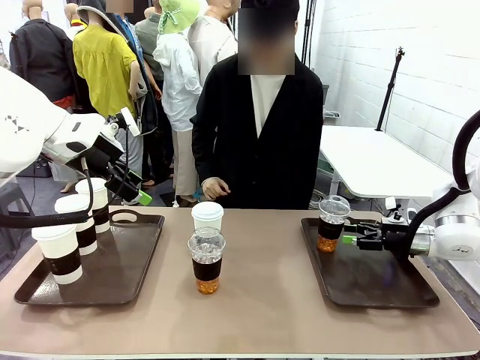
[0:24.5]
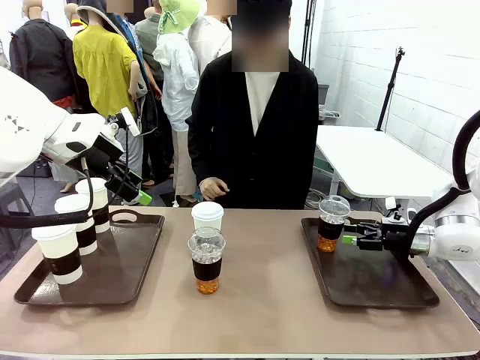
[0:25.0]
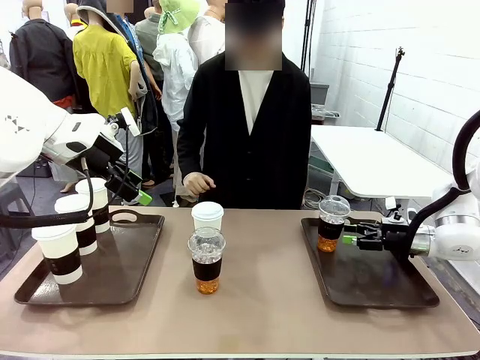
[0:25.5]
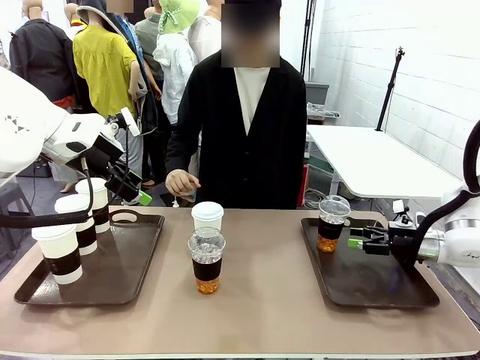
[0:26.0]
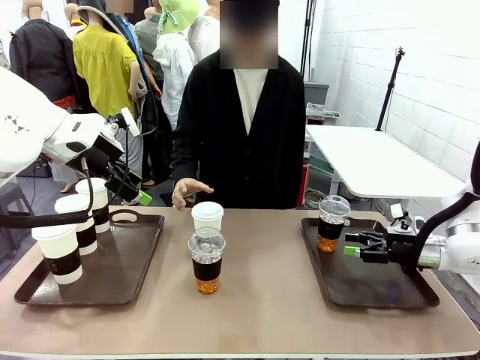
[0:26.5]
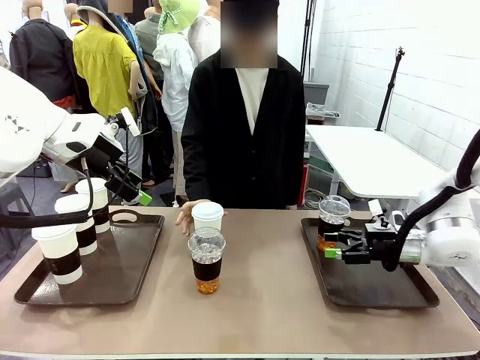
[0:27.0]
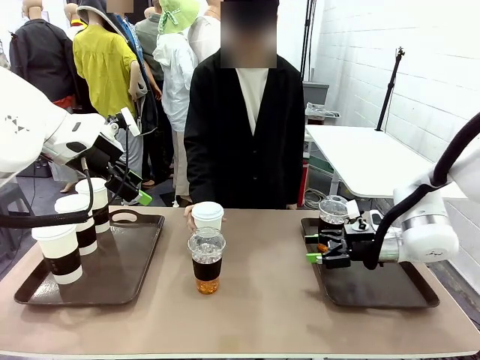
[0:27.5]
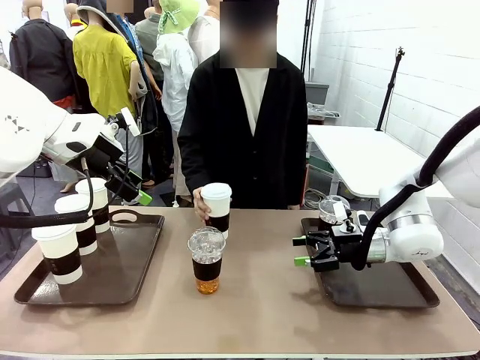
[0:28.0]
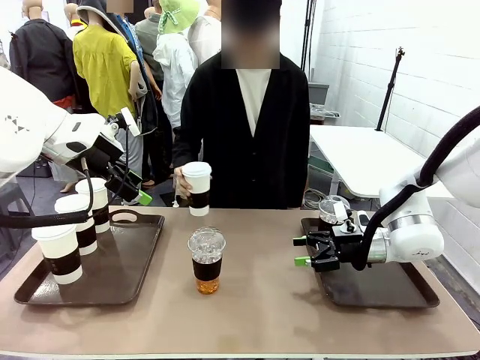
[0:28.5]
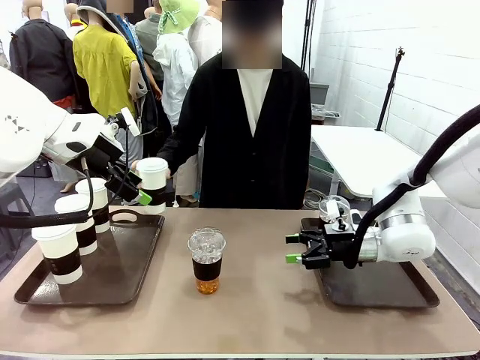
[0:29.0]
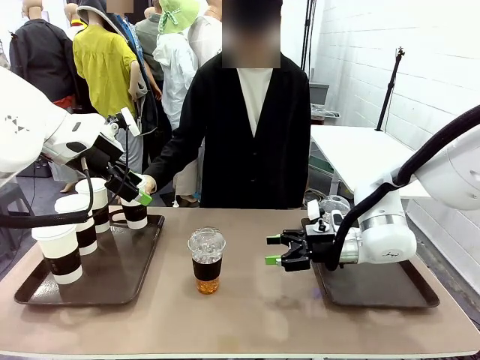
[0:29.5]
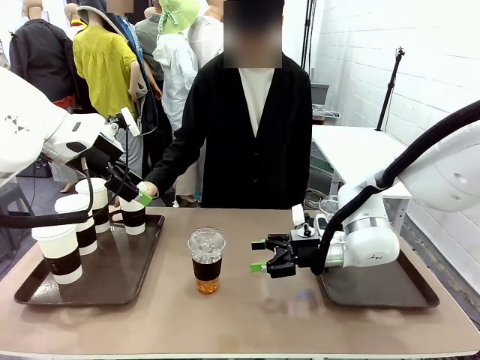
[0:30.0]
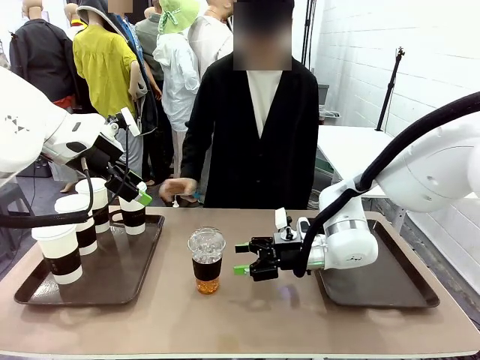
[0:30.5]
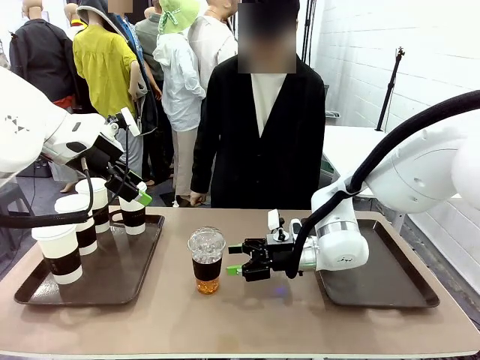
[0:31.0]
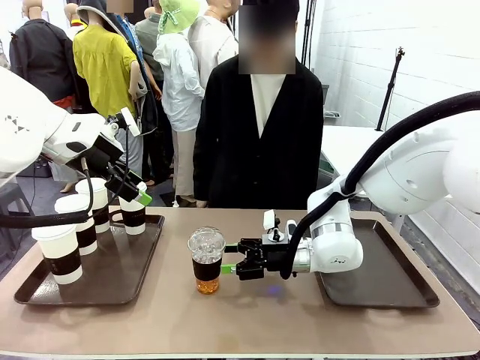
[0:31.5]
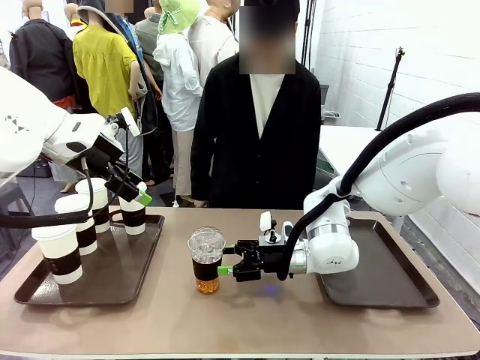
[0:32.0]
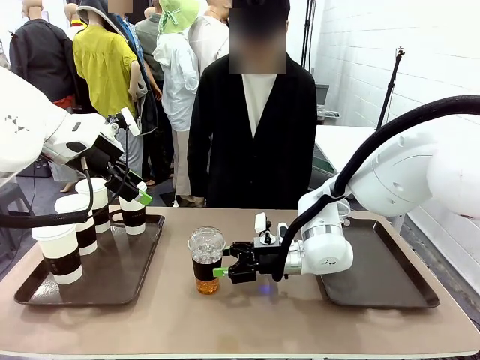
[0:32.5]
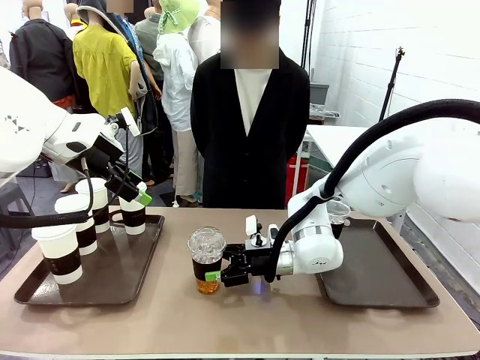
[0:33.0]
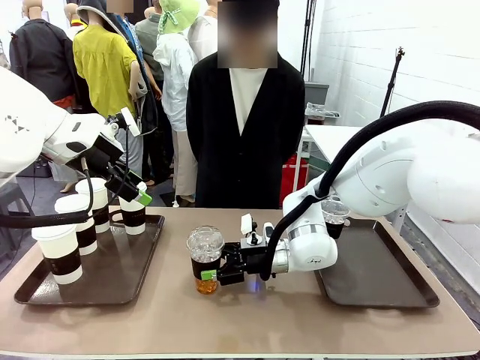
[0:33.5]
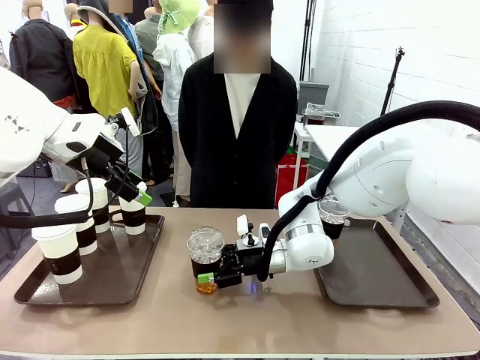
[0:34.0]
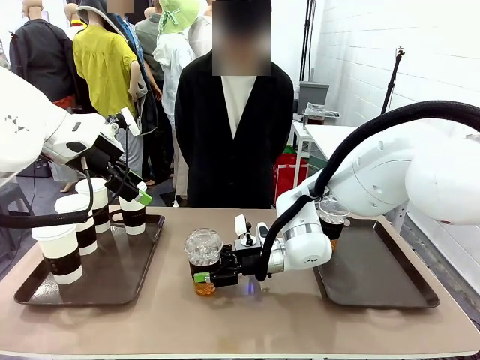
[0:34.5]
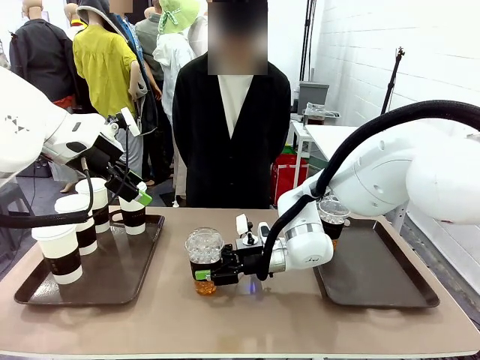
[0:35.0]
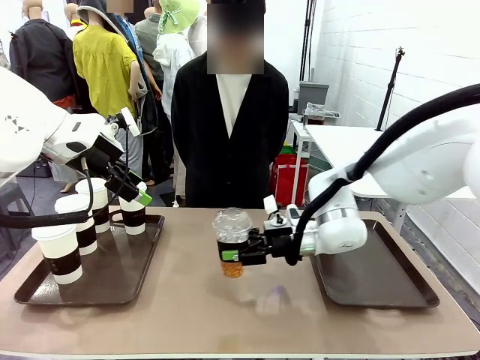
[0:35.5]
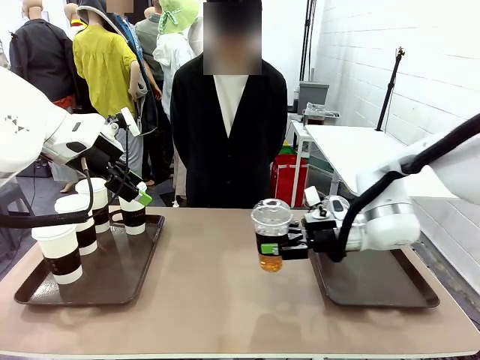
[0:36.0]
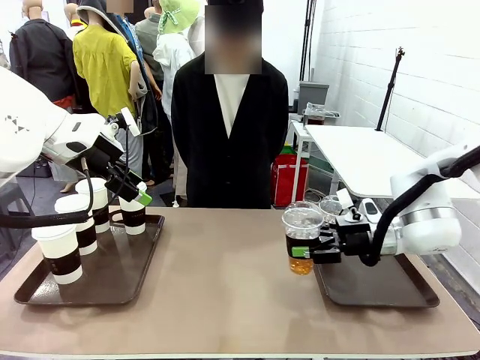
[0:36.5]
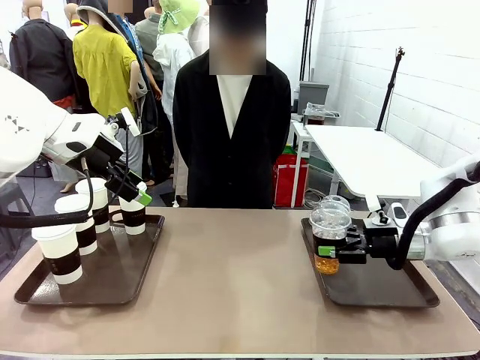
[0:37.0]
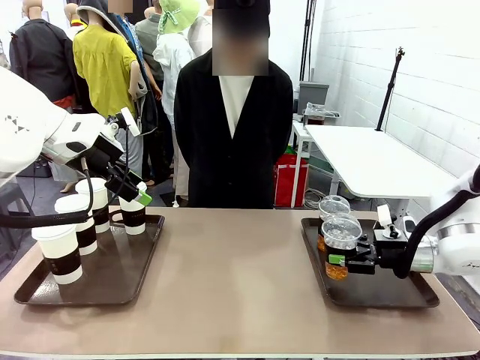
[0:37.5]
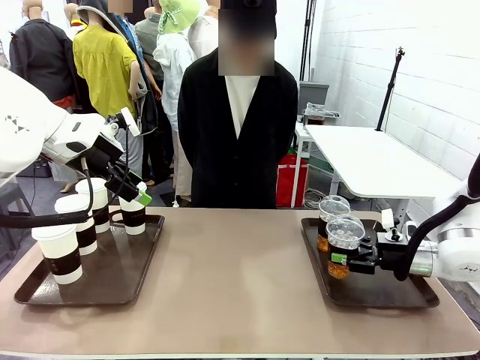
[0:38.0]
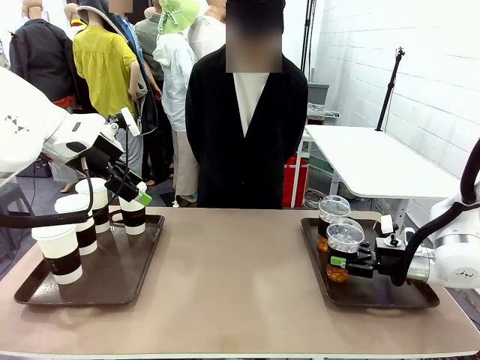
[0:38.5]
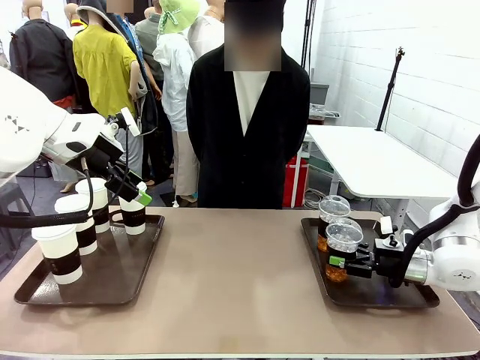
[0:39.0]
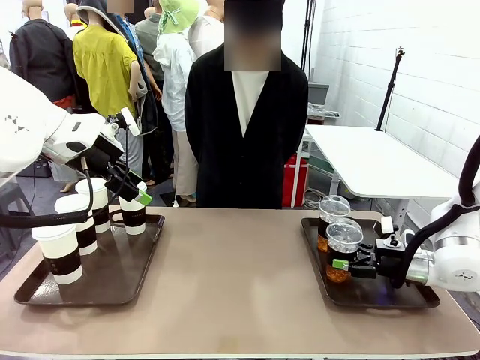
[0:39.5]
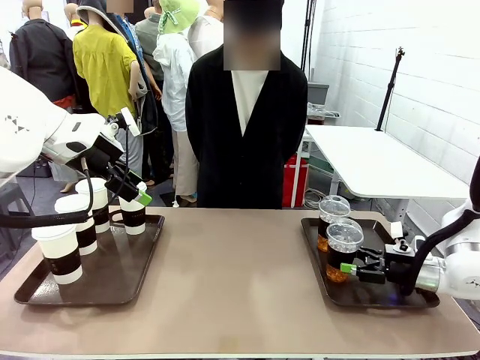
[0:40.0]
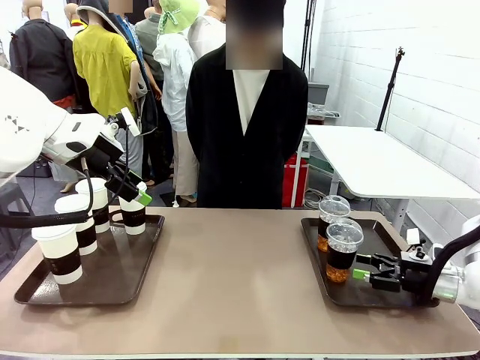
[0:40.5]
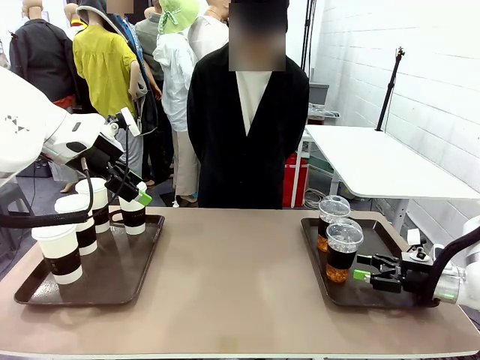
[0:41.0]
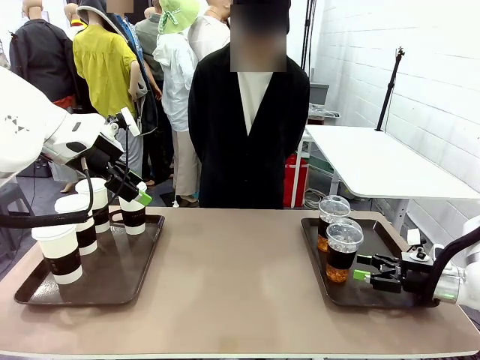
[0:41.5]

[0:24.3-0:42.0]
Task: Distribute the coffee onto the tray.
Robot: Pick up another iced Americano from the middle of the table and place it on the right Handle tray.
Person: Pick up a cup of hot Americano from the middle of the table and place it on the right tray.

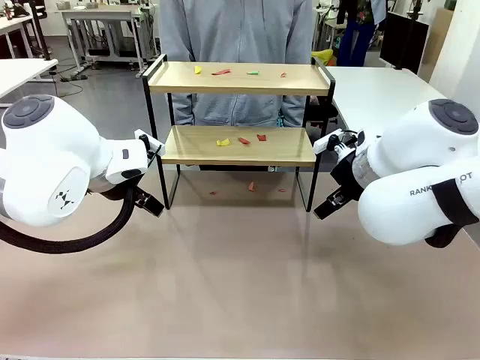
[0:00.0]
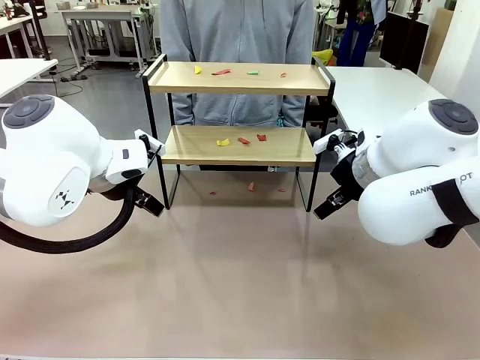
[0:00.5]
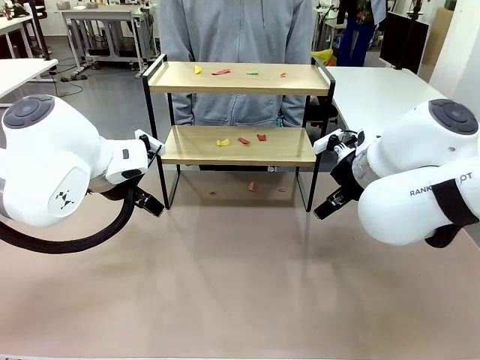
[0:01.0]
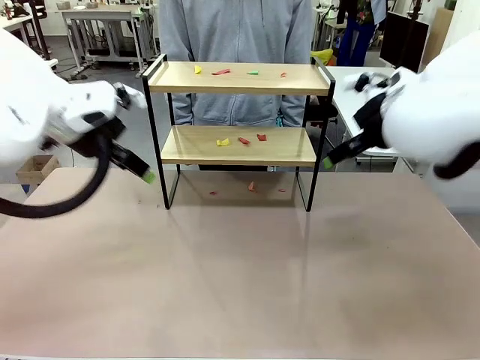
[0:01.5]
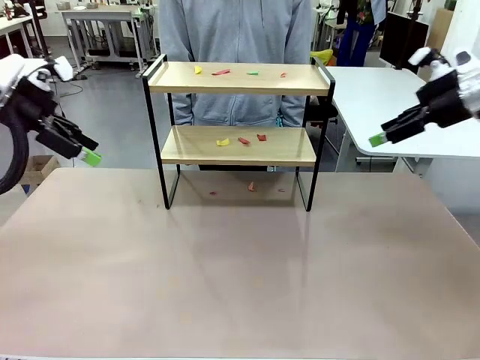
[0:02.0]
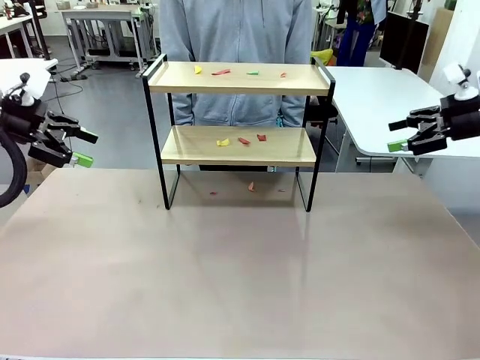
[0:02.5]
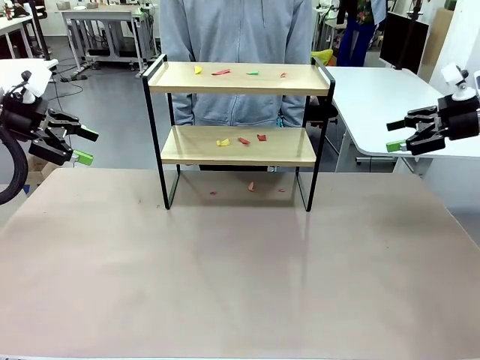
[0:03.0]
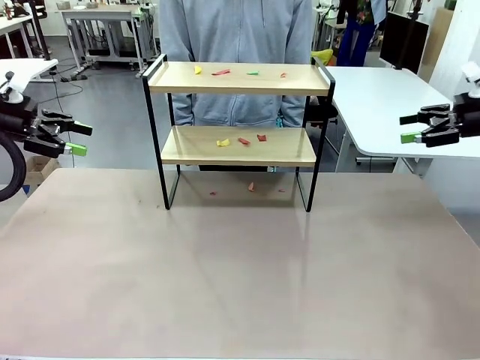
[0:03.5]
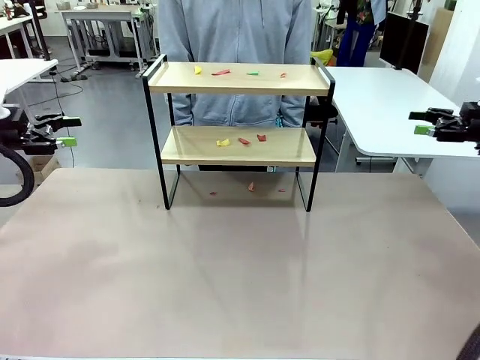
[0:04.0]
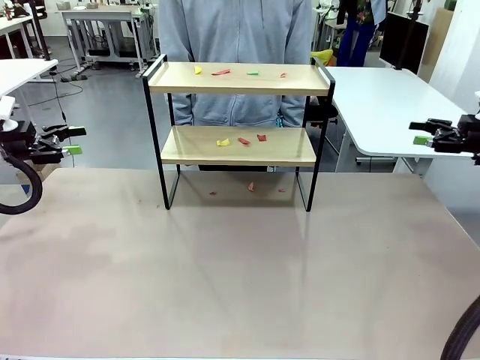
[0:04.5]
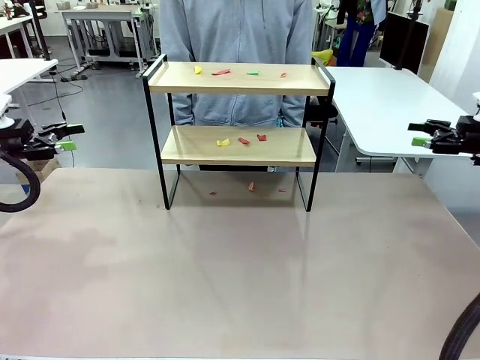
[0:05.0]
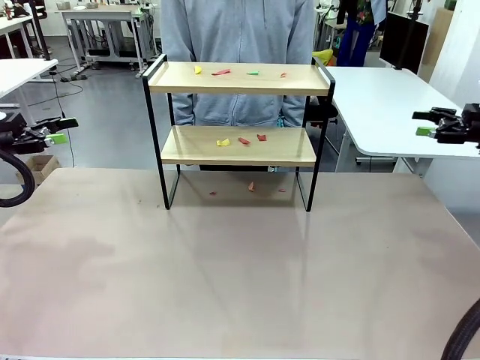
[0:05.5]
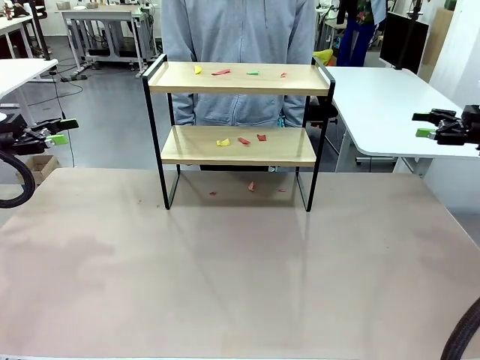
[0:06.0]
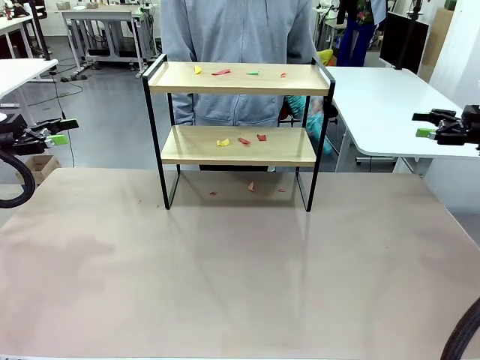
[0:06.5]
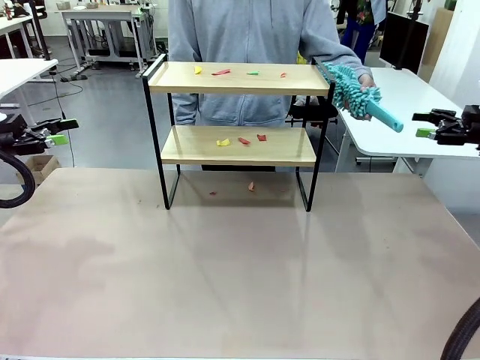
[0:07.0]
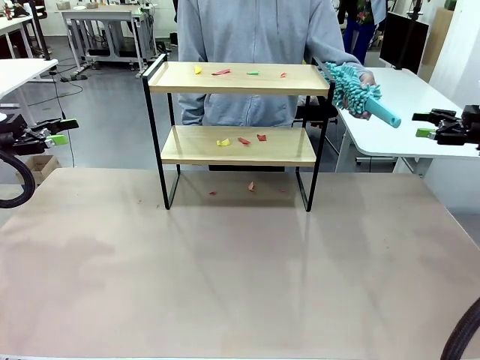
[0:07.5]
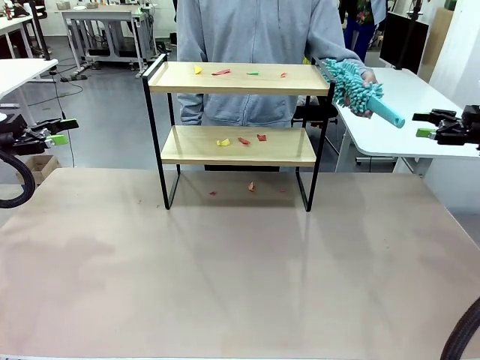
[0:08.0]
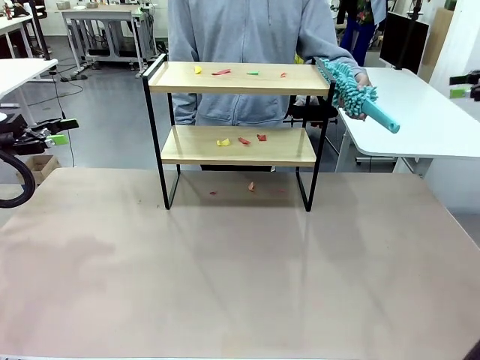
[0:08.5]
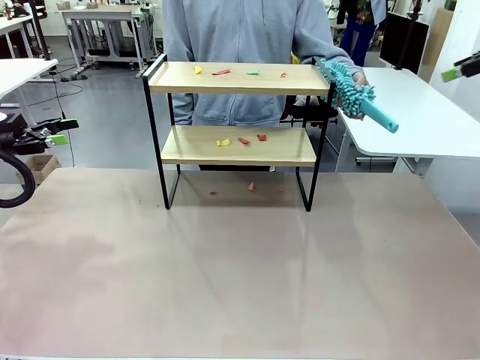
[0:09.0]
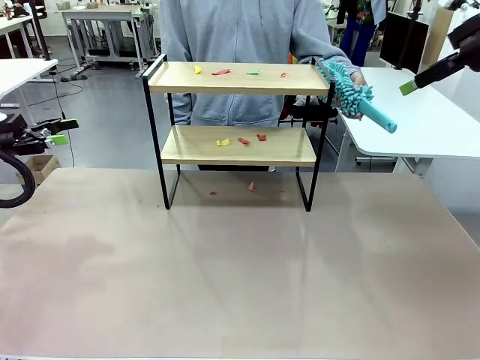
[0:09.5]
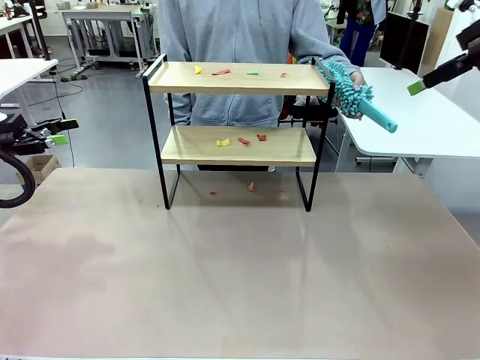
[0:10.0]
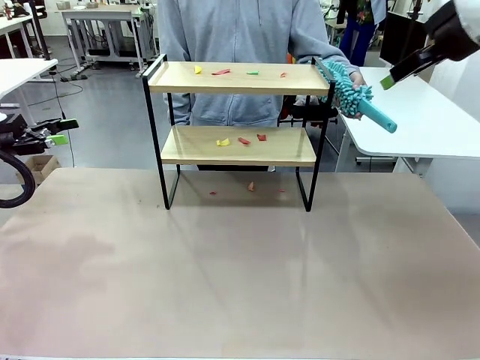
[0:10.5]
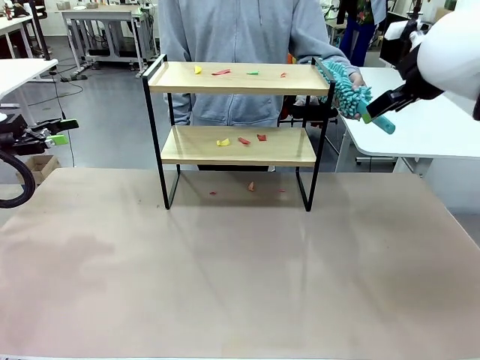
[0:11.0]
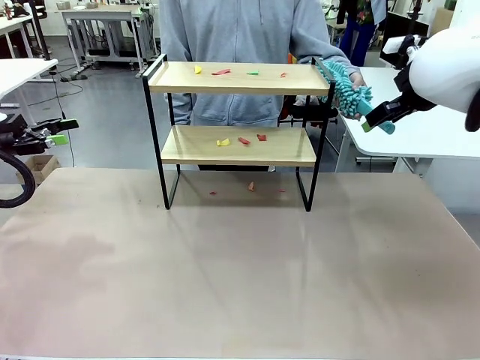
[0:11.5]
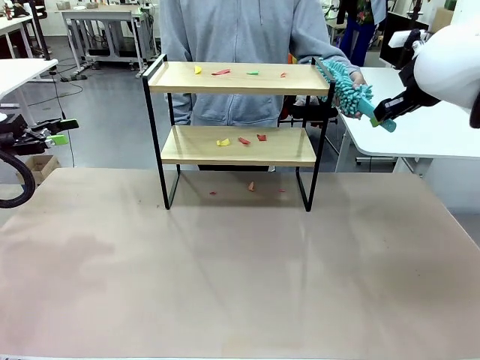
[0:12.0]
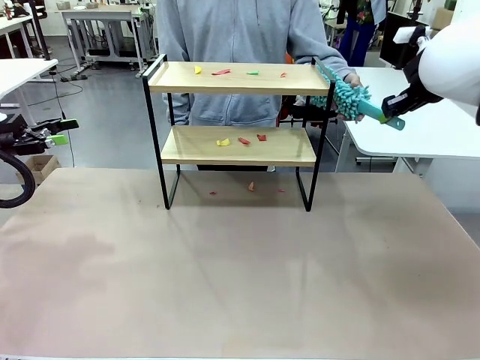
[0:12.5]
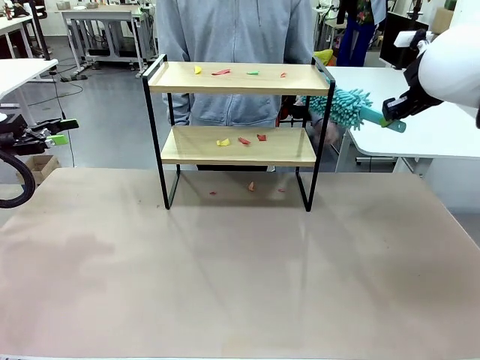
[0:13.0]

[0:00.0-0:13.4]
Task: Clean the shelf.
Robot: Pick up the Duster handed by the human.
Person: Hand the Duster to the robot.
